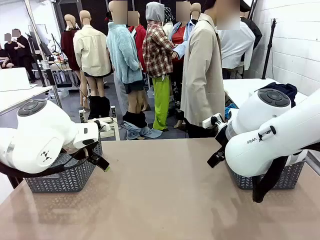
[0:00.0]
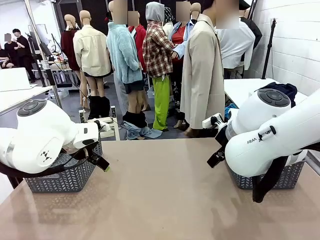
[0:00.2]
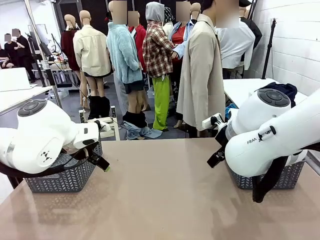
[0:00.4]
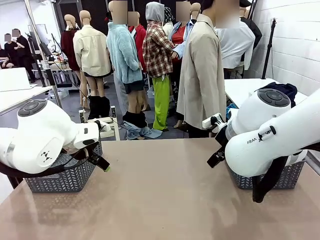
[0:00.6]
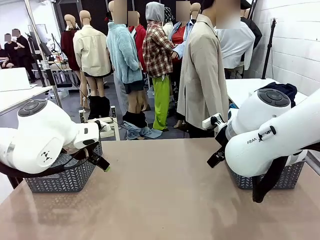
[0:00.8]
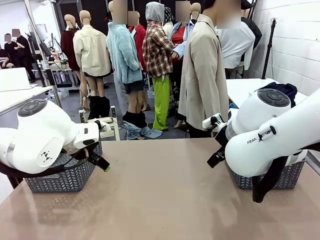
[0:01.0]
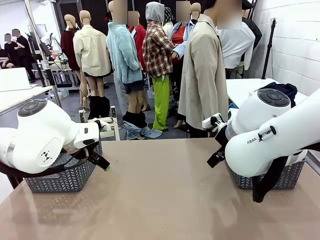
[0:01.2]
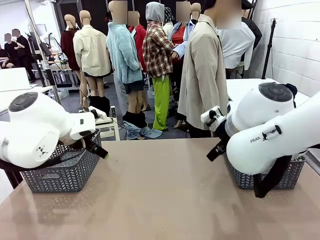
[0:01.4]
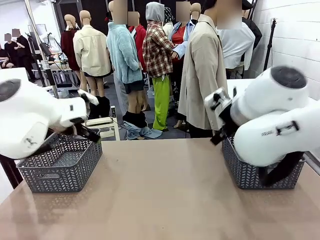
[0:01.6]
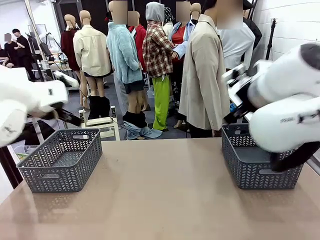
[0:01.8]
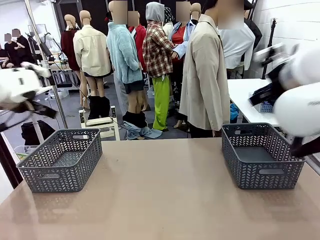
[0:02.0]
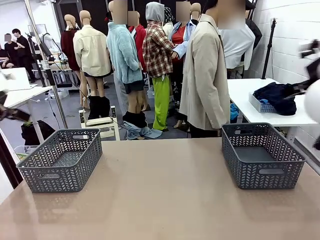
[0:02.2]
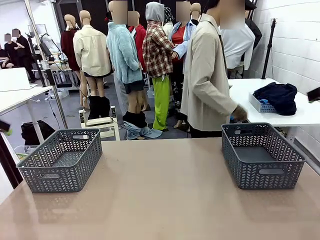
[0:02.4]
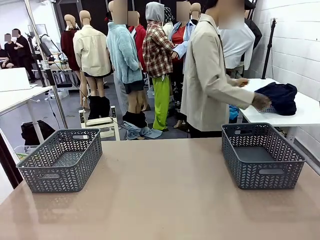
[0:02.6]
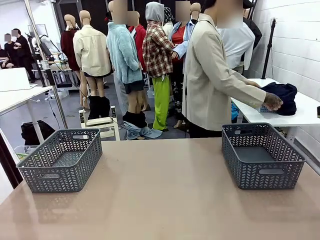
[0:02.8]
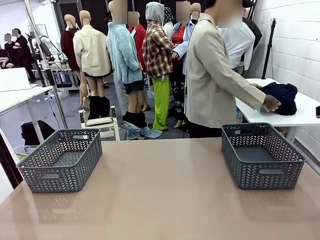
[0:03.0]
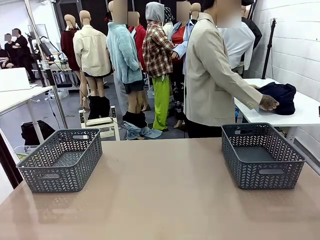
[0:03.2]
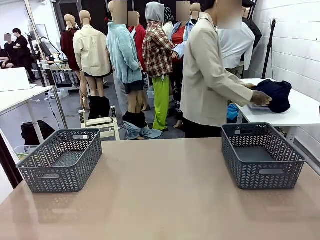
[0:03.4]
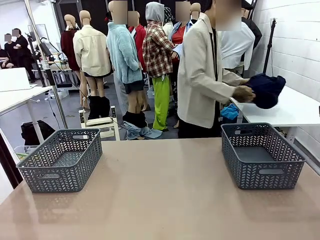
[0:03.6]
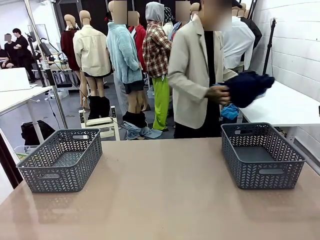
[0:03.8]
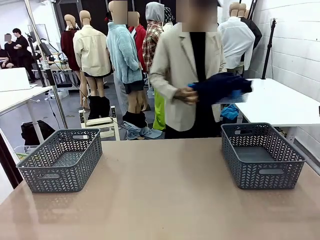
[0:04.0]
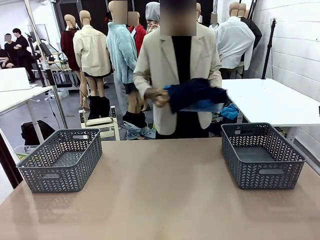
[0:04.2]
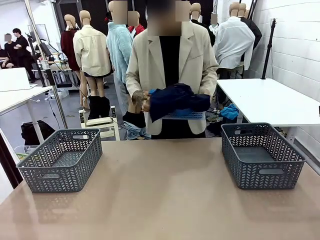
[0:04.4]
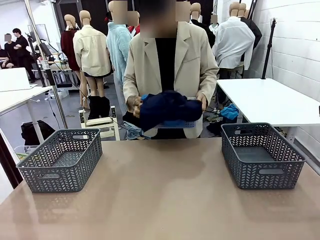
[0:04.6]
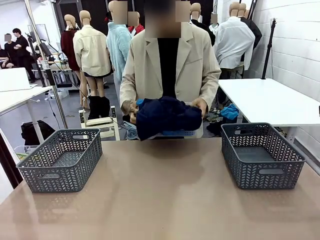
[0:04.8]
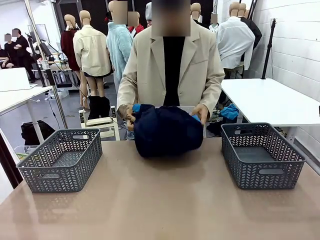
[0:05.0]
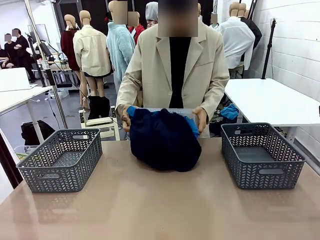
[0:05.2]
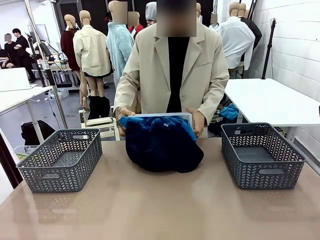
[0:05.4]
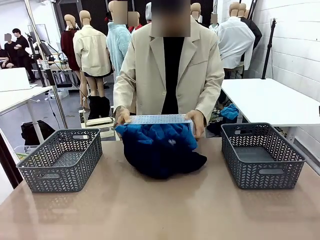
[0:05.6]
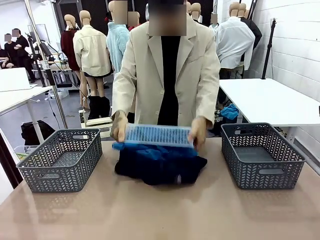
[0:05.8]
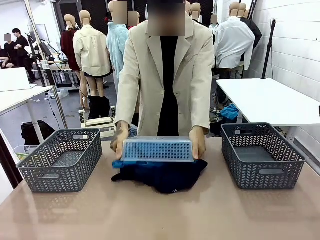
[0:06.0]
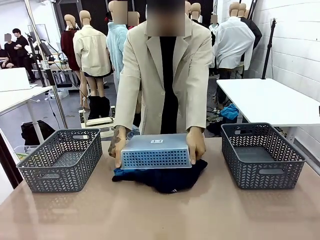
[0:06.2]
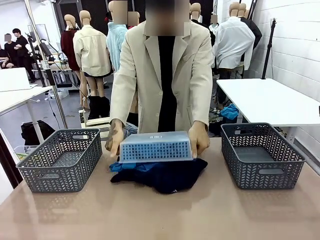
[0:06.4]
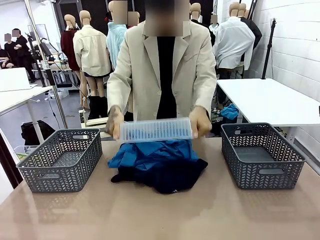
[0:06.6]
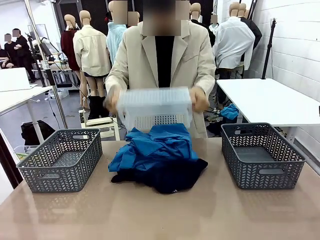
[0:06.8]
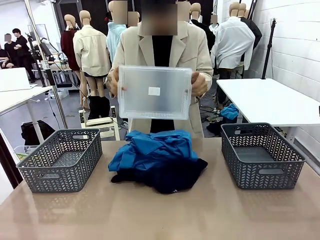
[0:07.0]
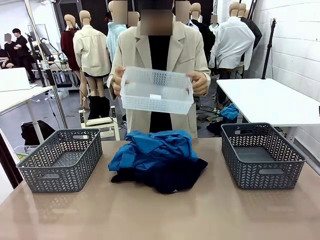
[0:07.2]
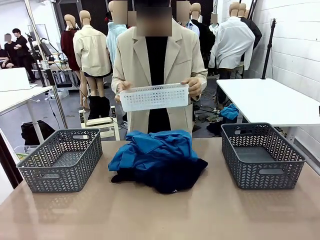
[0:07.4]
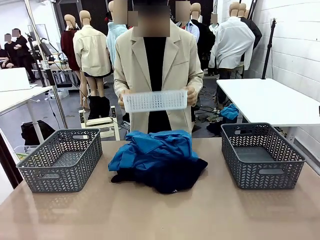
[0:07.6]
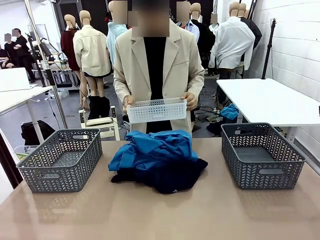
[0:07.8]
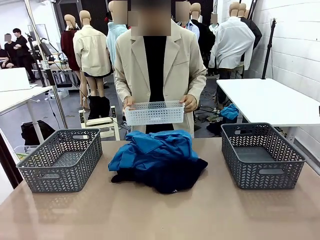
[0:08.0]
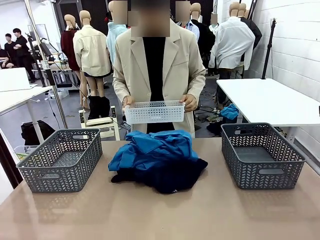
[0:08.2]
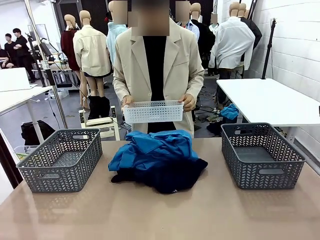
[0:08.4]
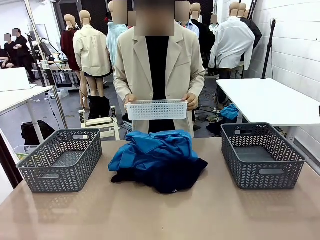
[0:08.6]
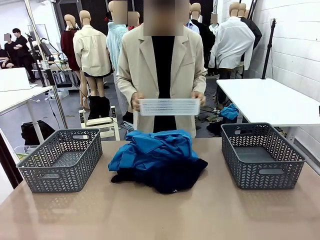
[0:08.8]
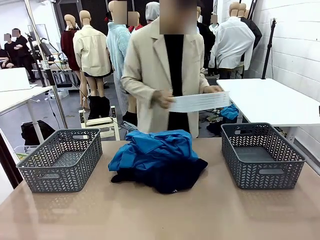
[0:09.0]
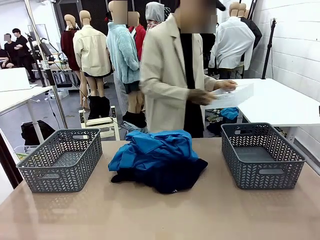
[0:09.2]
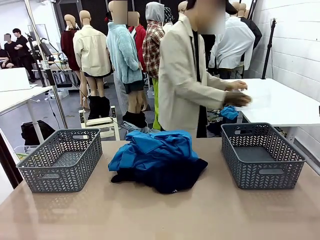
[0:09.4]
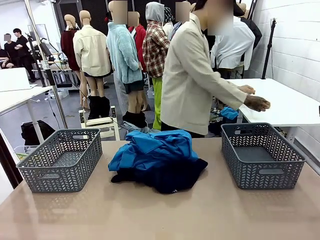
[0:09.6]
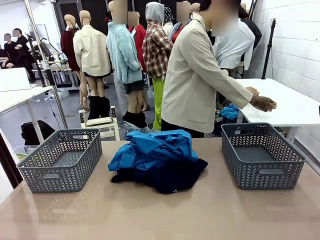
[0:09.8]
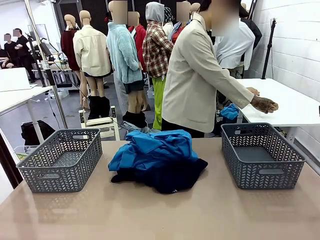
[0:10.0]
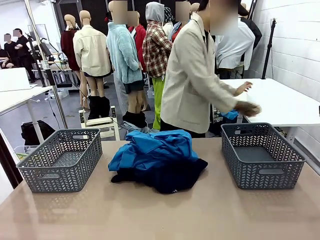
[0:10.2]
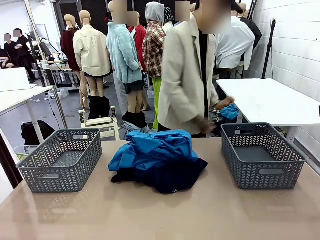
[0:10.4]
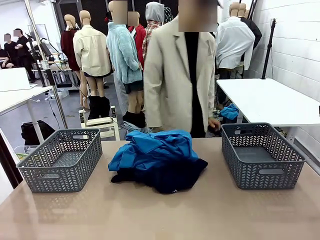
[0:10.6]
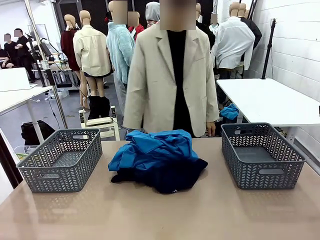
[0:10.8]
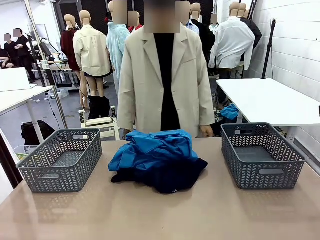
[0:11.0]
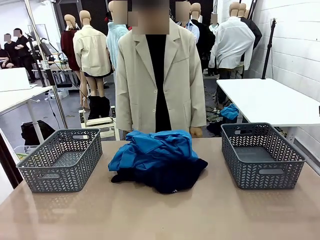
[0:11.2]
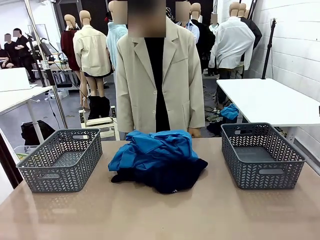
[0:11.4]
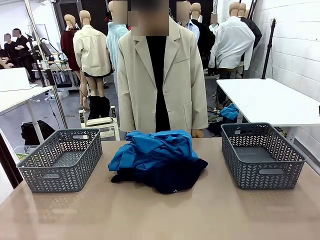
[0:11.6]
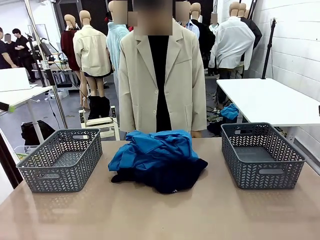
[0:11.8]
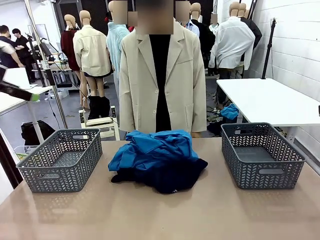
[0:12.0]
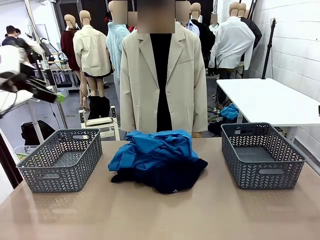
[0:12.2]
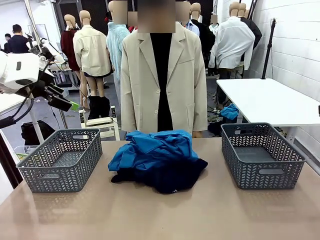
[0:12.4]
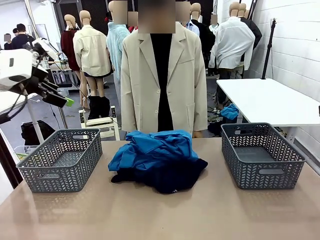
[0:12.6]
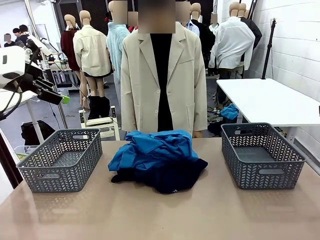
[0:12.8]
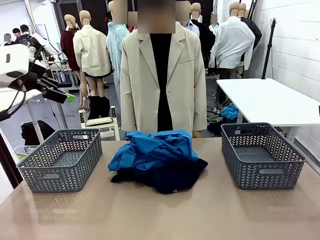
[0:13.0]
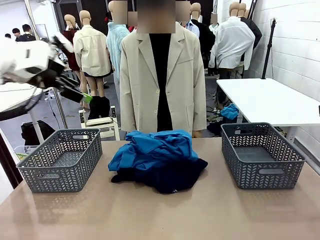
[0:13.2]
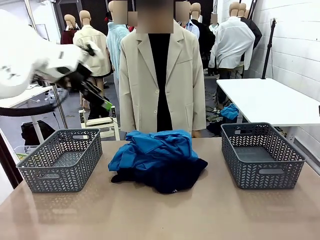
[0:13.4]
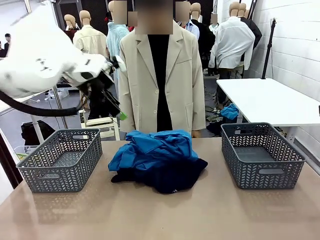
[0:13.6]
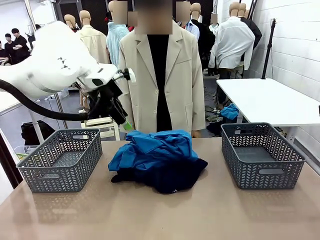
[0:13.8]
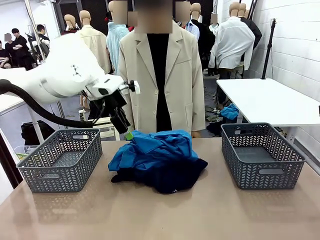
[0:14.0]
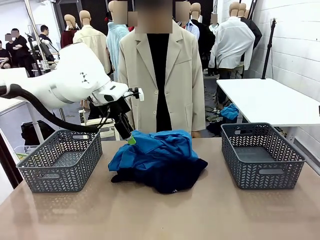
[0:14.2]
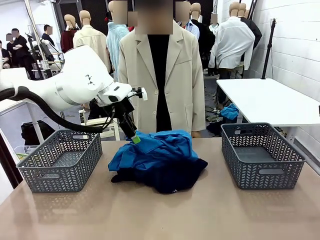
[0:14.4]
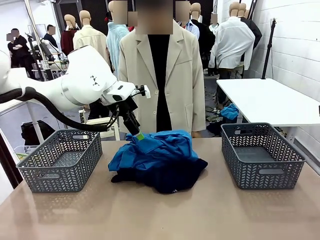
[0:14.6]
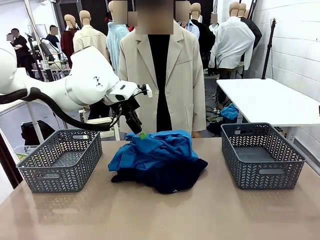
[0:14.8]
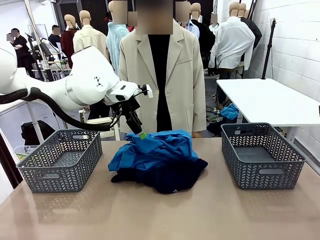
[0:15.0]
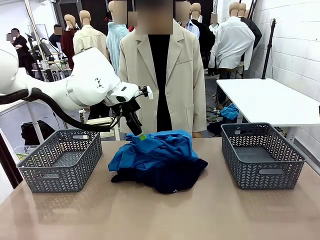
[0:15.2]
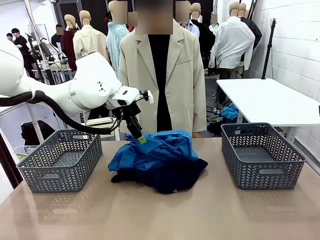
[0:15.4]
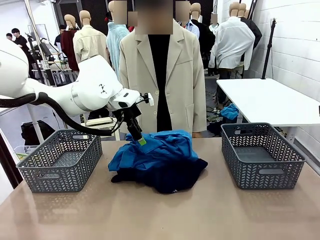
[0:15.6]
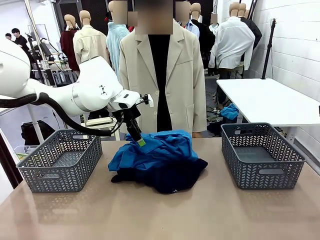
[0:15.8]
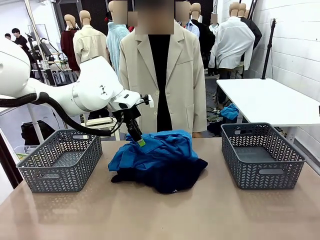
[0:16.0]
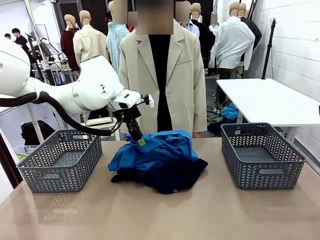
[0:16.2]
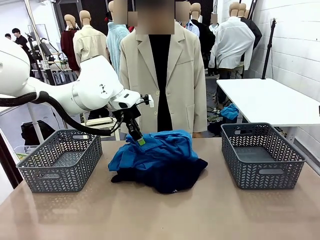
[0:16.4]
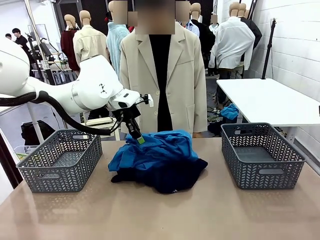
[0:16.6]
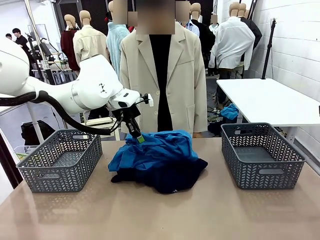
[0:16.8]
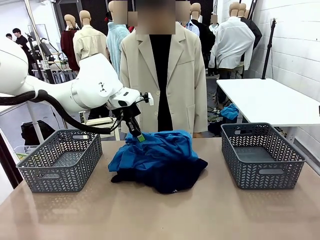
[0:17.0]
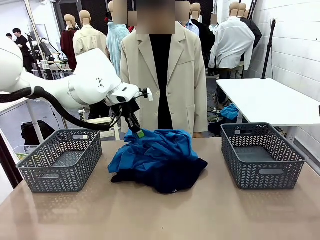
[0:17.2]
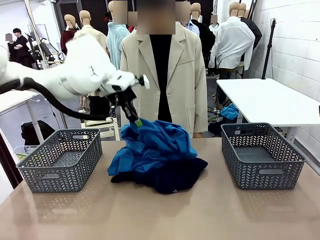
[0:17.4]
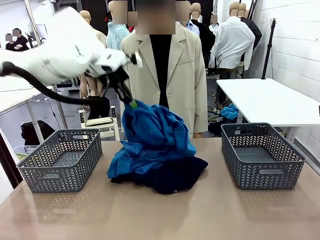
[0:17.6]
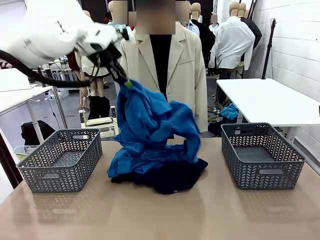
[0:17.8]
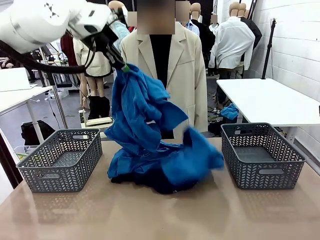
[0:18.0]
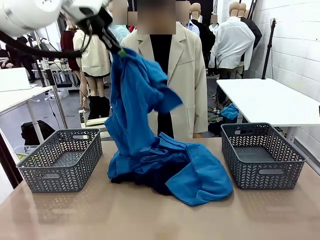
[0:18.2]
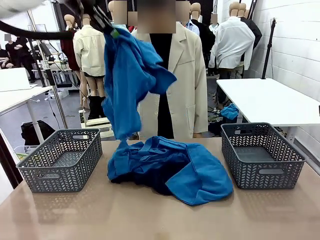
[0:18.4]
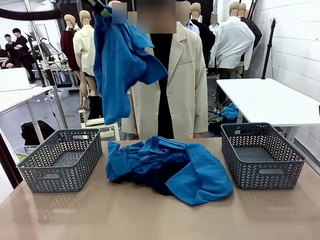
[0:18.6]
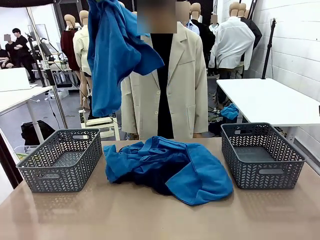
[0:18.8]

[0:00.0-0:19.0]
Task: Sort the tops and bottoms.
Robot: Lift clothes from the center of the table with your left hand.
Person: Pour the clothes from the basket onto the center of the robot table.

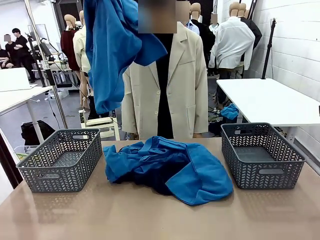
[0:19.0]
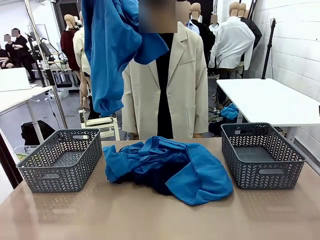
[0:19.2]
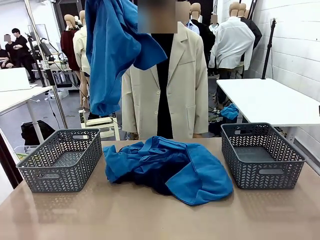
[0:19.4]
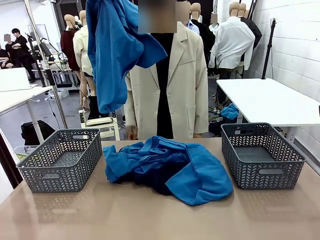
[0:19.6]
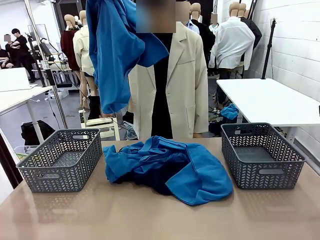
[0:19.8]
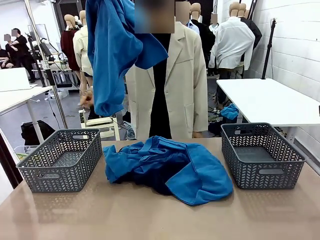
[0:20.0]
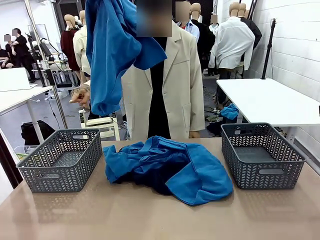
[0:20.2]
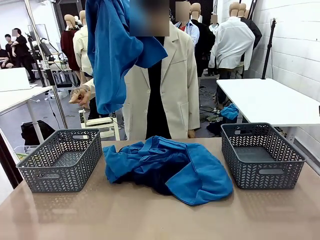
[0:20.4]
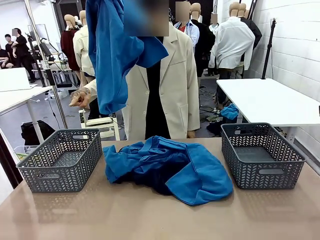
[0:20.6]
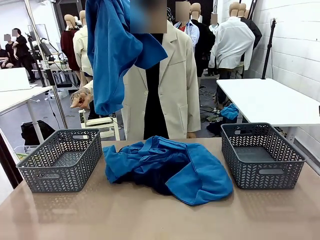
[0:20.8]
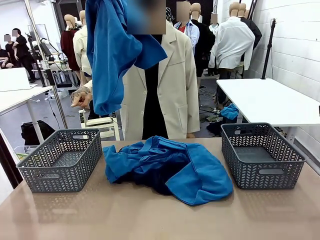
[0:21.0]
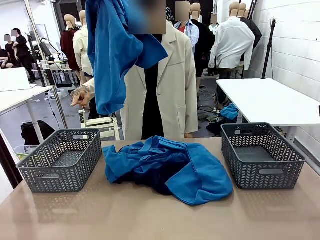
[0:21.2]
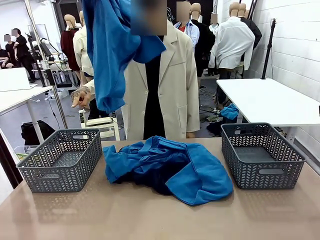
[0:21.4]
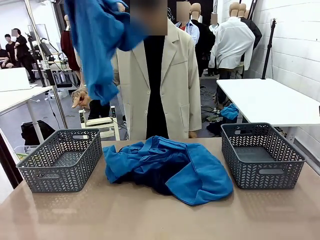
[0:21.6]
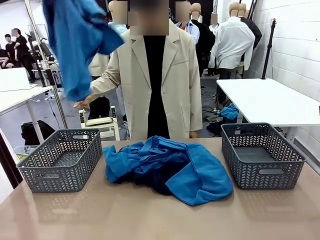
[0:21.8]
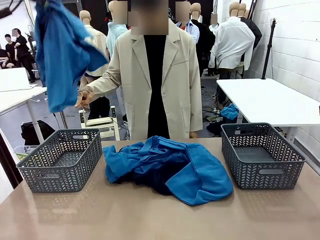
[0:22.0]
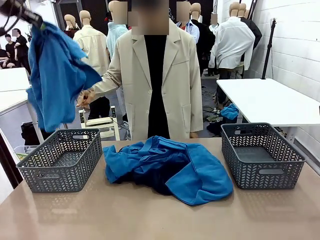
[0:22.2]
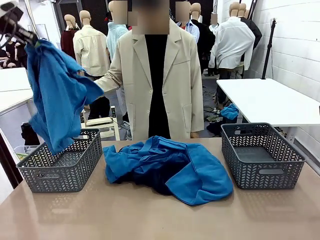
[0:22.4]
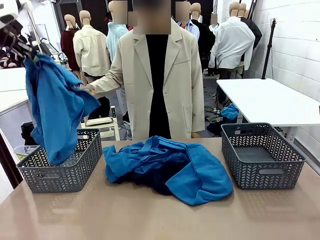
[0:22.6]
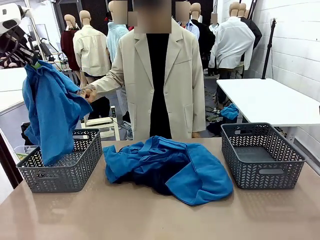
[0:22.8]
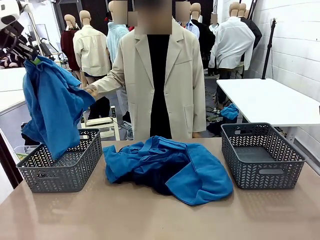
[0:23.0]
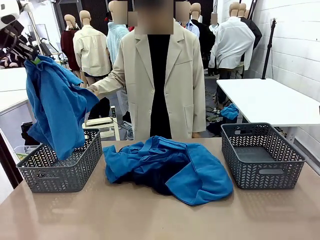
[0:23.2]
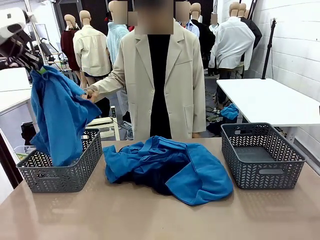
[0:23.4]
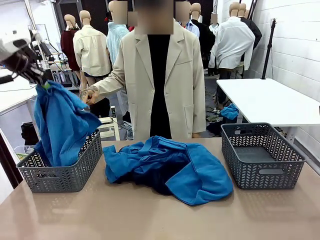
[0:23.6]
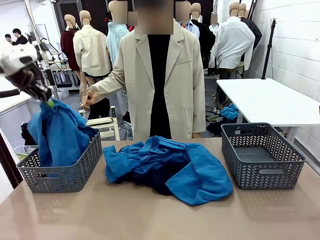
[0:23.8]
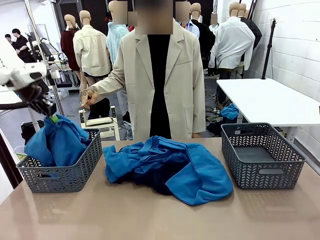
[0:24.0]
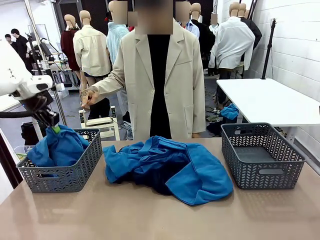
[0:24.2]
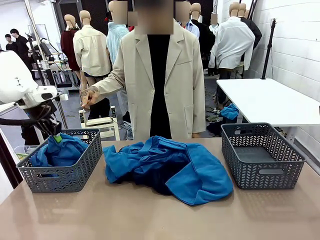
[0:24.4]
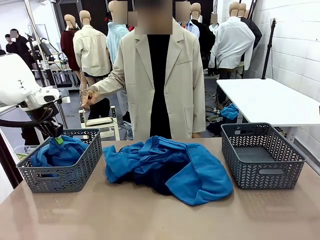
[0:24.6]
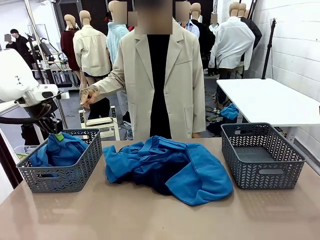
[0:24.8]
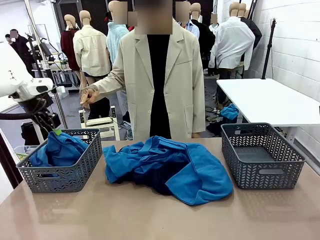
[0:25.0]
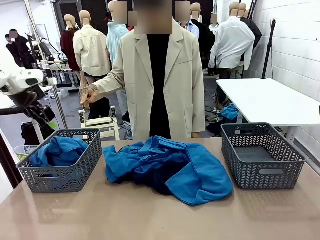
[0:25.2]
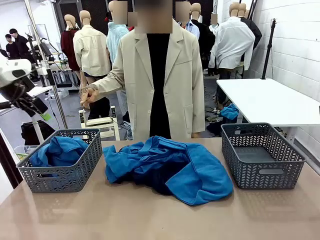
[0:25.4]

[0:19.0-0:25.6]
Robot: Sort the clothes according to human instructions.
